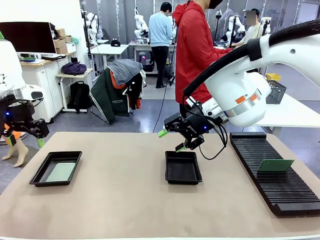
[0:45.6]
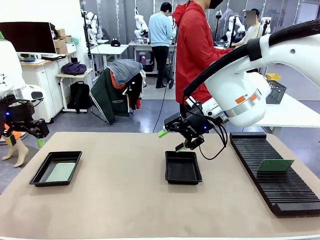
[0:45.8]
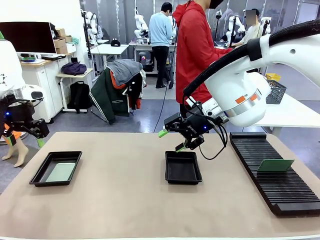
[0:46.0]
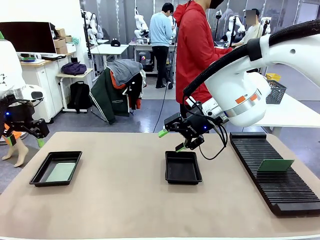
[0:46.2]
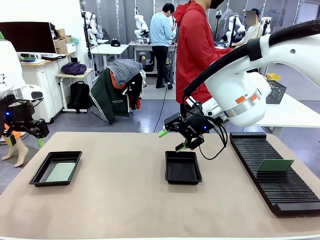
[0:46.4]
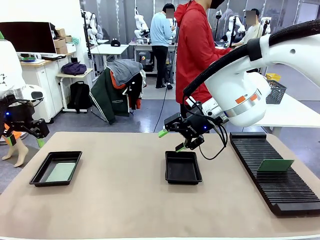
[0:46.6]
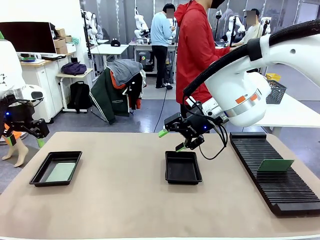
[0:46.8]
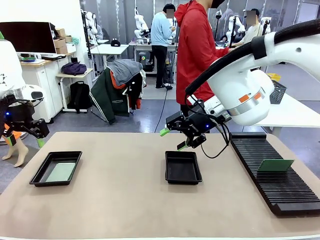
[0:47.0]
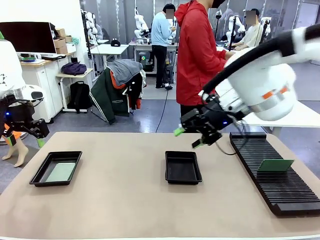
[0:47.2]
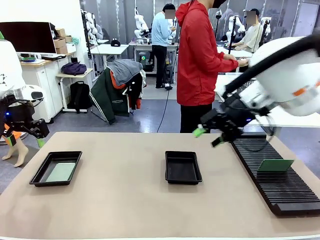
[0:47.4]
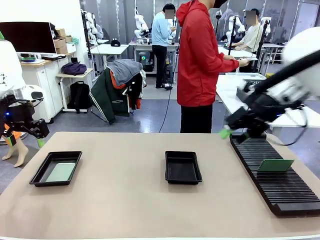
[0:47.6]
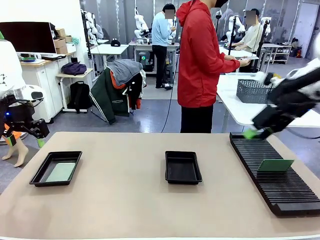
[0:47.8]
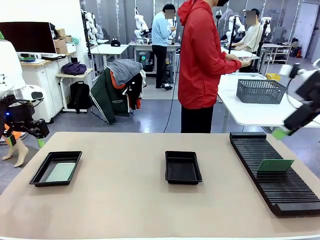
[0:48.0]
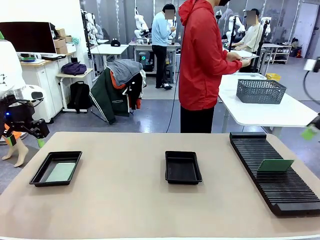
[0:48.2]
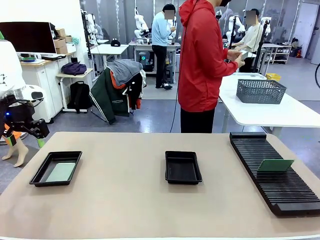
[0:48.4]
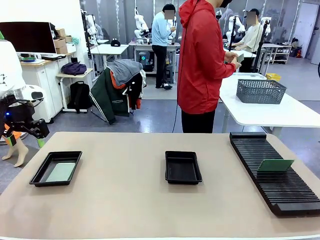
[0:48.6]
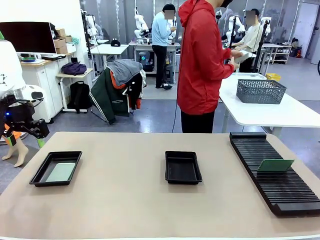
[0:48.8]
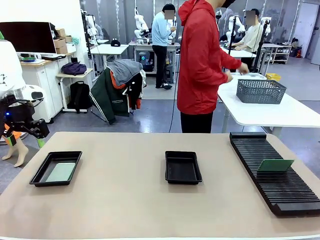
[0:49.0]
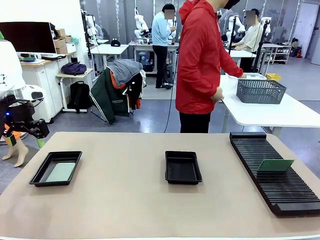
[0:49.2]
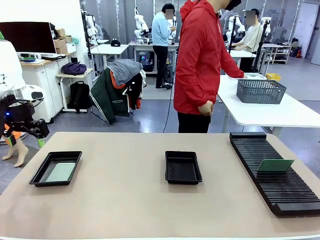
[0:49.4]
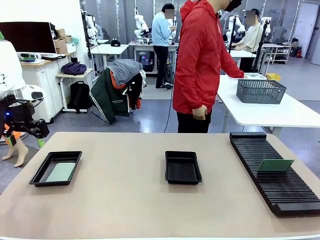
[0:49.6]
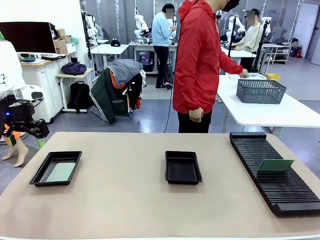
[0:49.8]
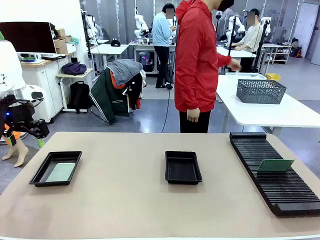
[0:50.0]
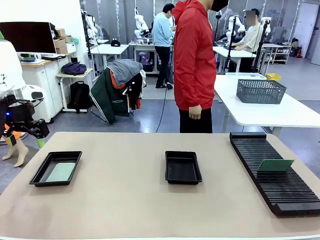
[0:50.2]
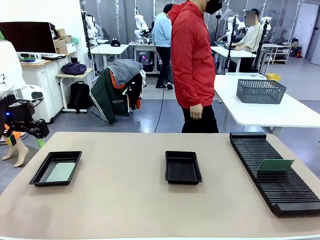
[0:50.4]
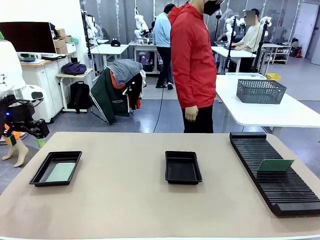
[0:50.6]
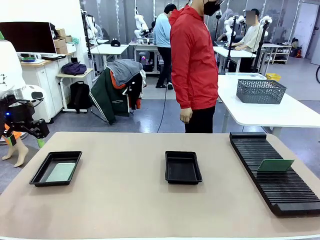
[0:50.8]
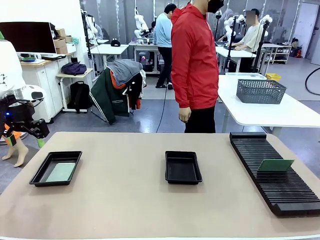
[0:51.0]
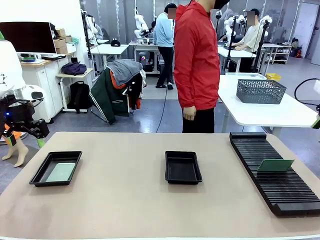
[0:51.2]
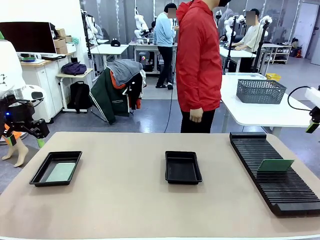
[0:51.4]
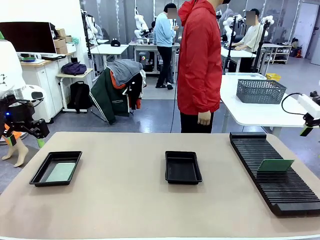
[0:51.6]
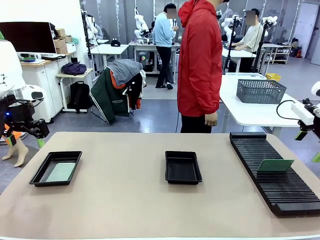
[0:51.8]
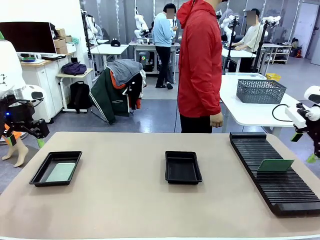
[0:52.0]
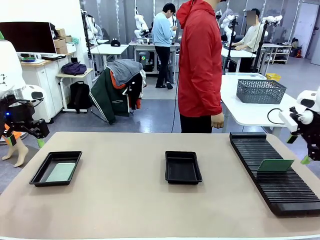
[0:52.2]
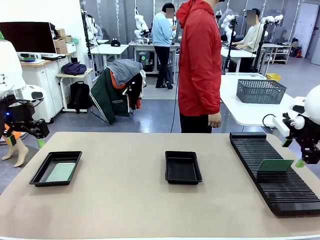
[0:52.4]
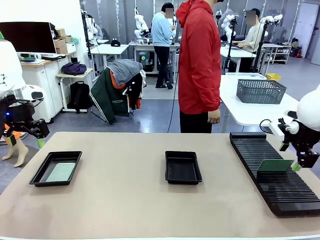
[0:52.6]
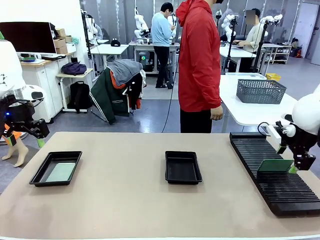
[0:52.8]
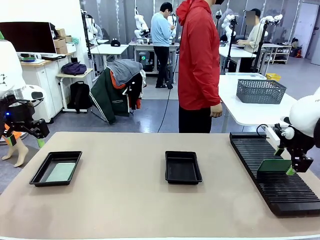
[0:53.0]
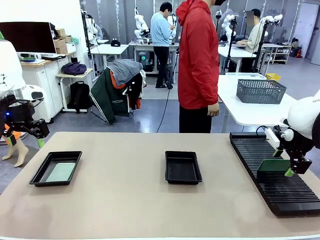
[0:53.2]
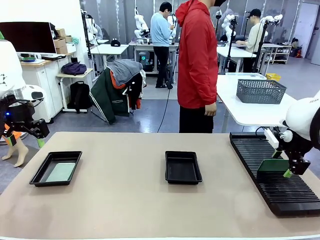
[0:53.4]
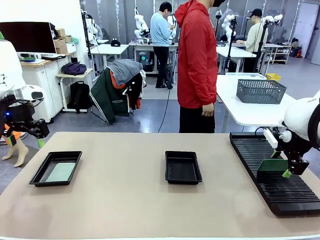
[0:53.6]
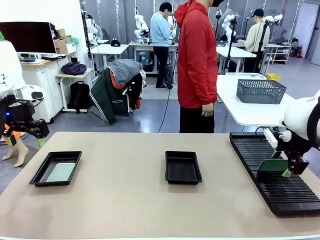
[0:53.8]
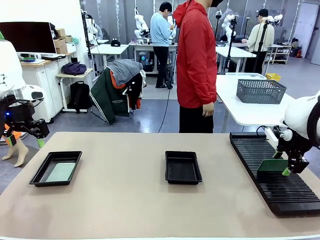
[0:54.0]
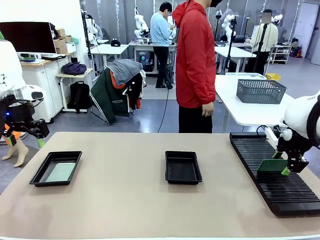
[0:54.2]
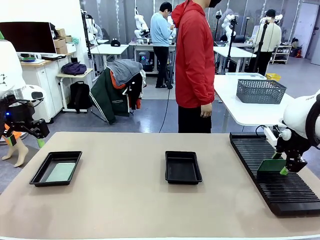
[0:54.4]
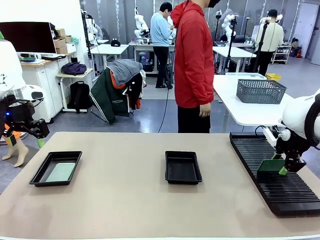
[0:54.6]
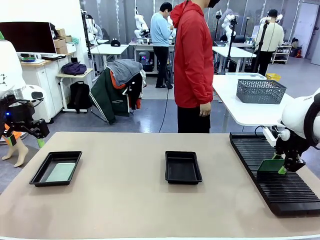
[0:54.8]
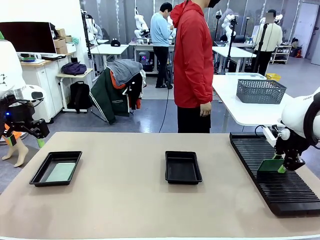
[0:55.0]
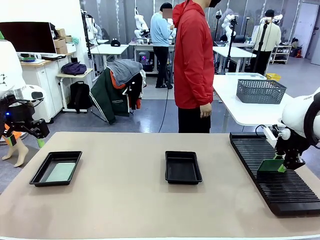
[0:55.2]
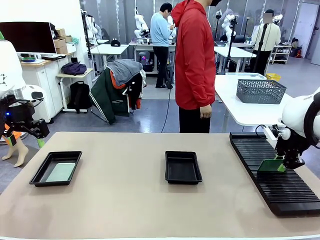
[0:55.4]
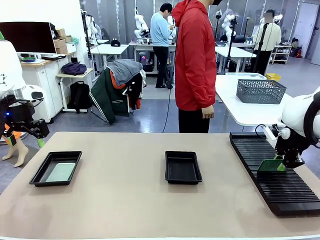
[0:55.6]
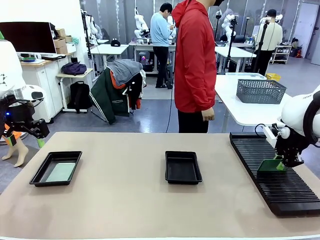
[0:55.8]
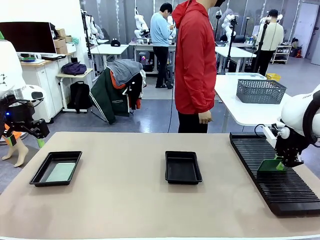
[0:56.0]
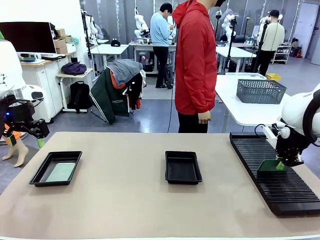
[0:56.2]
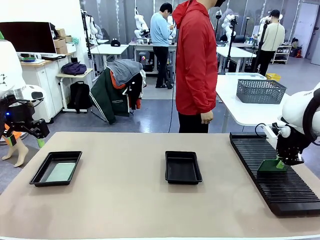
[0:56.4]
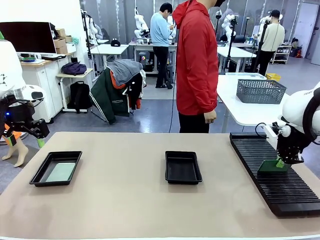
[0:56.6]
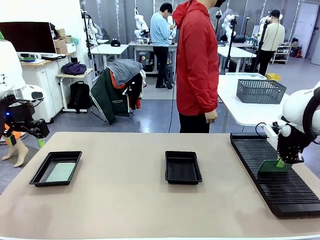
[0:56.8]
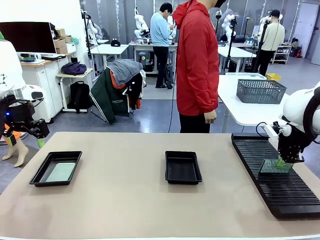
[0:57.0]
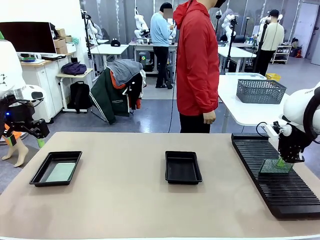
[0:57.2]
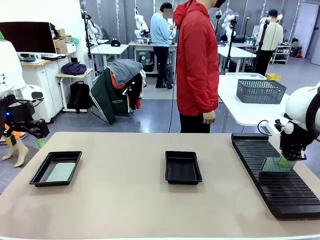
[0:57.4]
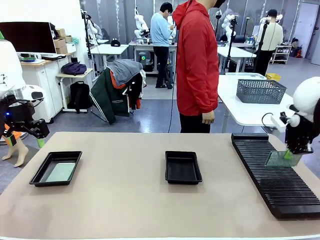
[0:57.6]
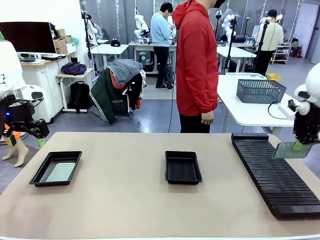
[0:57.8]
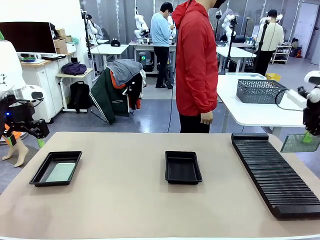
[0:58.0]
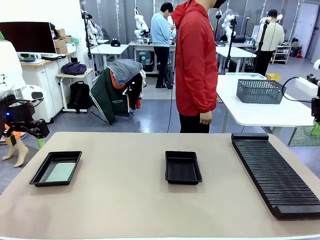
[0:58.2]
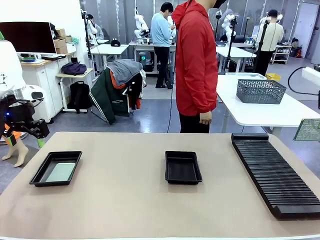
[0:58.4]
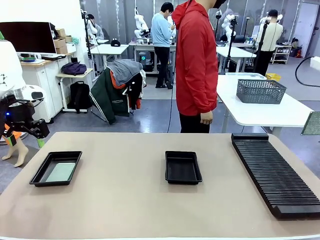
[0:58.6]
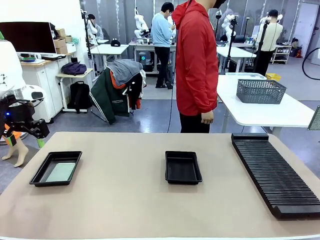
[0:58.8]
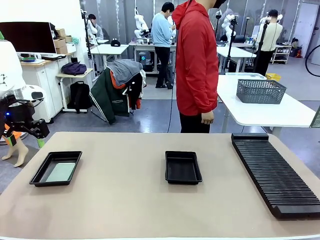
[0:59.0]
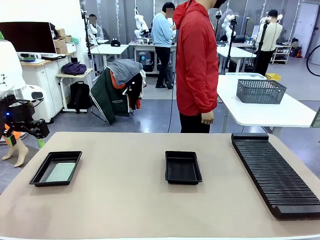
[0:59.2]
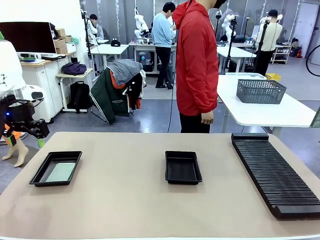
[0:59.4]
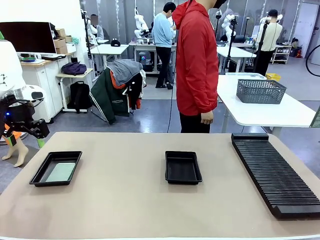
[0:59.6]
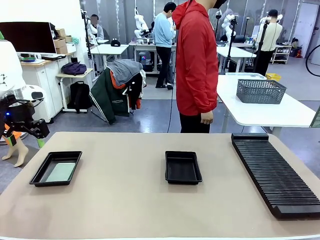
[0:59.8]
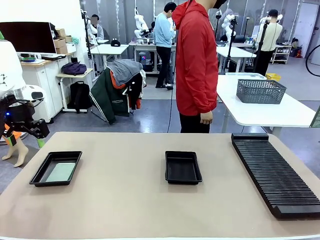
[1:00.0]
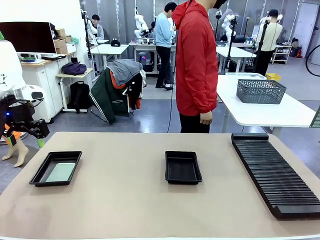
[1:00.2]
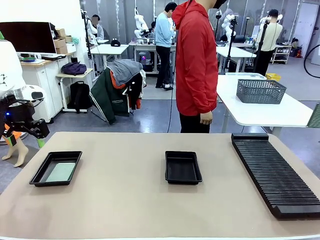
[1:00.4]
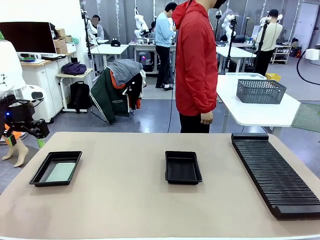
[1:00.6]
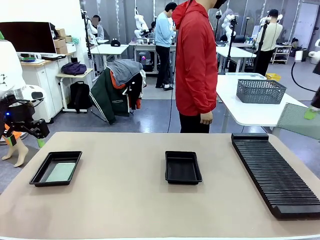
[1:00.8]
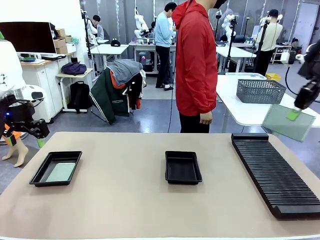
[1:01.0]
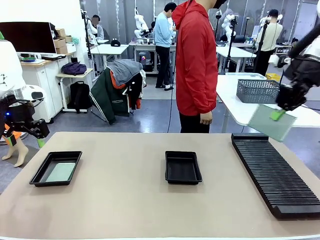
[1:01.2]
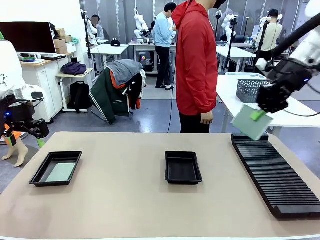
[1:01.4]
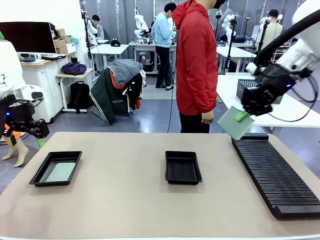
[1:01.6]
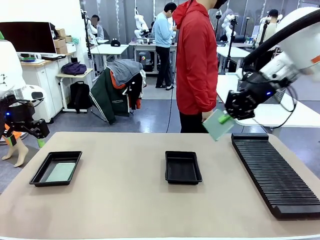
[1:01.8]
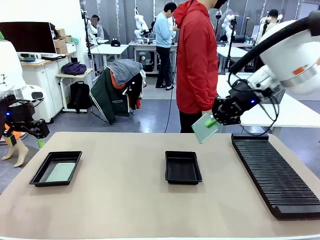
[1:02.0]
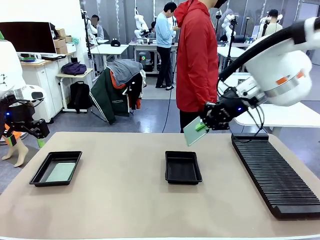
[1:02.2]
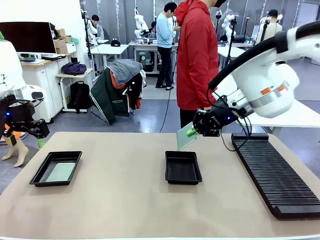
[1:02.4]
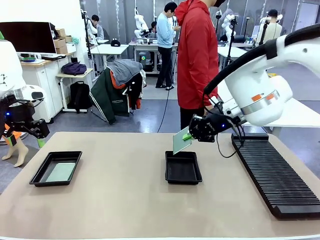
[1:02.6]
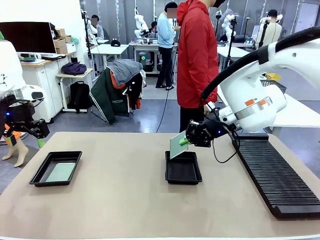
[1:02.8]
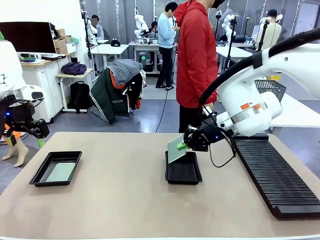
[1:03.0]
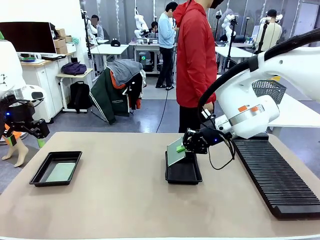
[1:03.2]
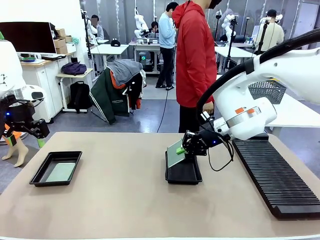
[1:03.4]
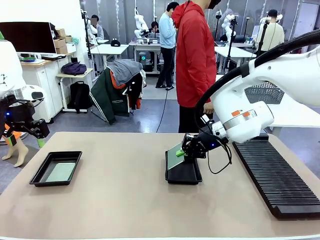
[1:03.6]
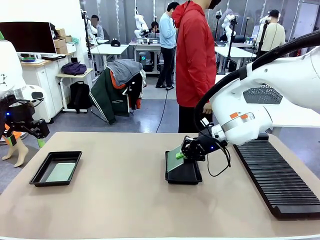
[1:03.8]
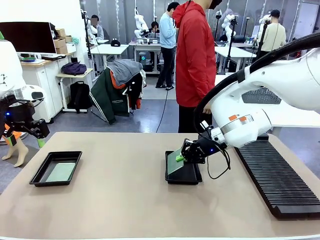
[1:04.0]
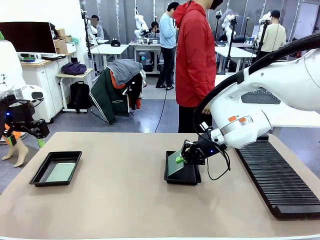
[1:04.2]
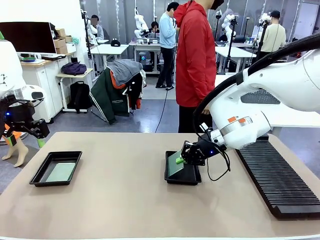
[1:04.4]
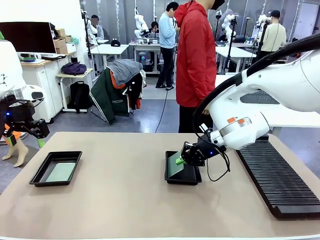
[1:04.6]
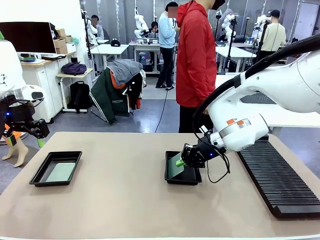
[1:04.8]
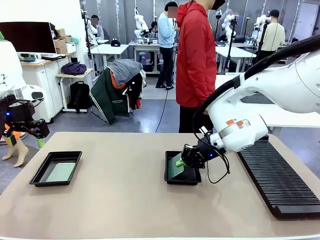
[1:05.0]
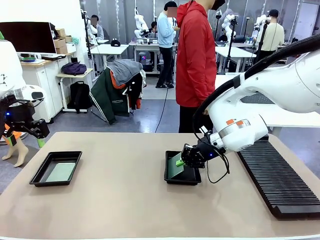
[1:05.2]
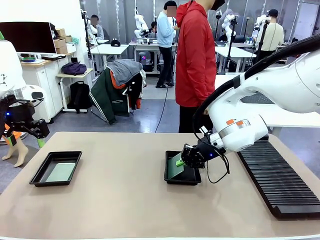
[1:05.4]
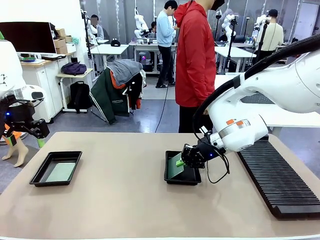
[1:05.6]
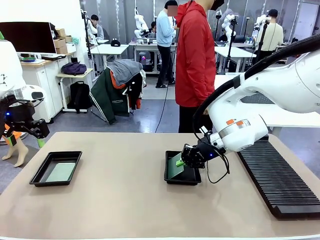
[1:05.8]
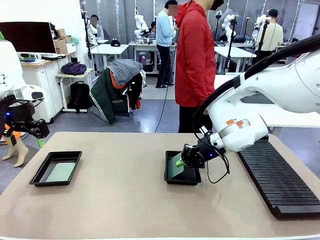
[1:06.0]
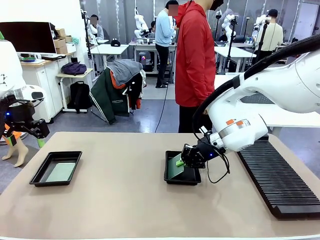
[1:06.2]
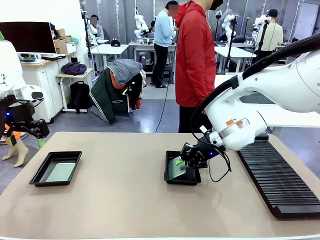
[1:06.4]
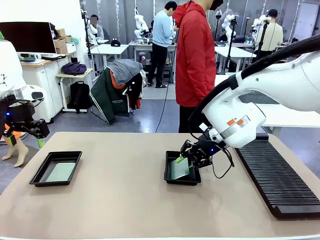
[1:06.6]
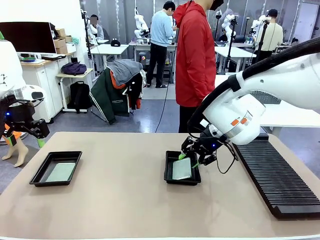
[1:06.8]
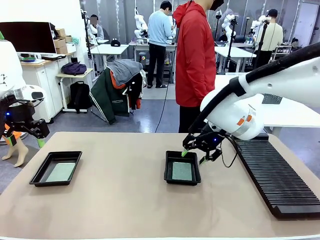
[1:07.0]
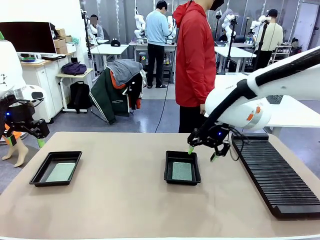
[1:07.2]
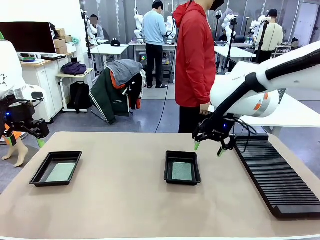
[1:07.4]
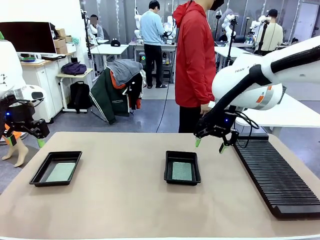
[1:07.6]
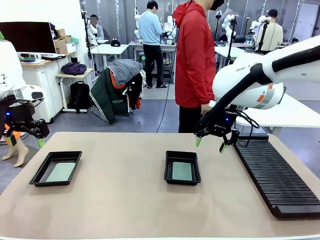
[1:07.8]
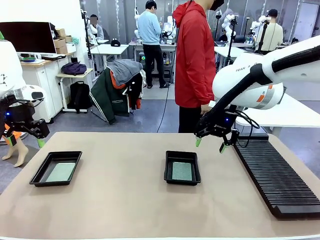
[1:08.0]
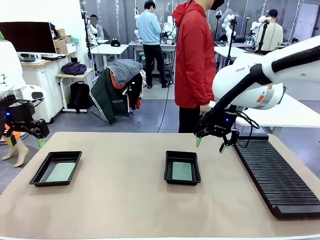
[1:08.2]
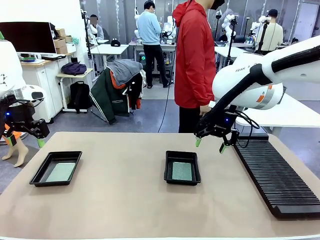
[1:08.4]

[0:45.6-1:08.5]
Task: Inspect and transfer BCBs to ESD trays.
Robot: Pick up the Blank PCB from the PCB Rack and place it in the right ESD tray.
